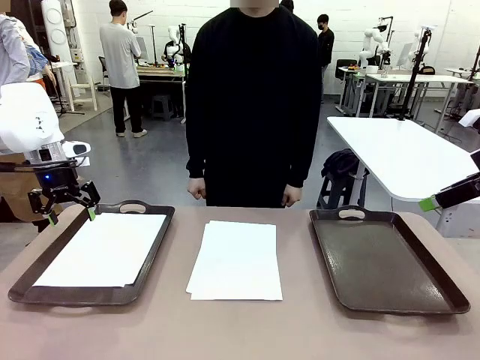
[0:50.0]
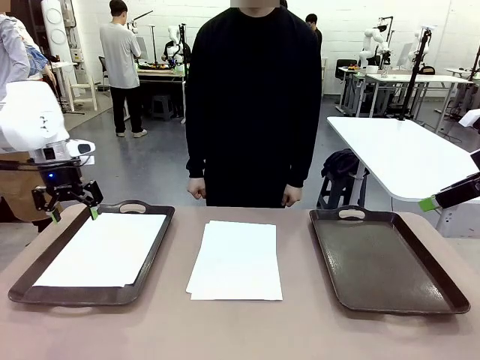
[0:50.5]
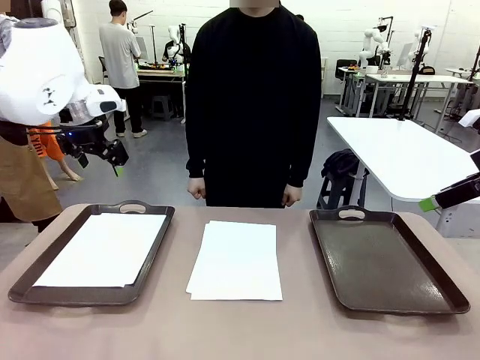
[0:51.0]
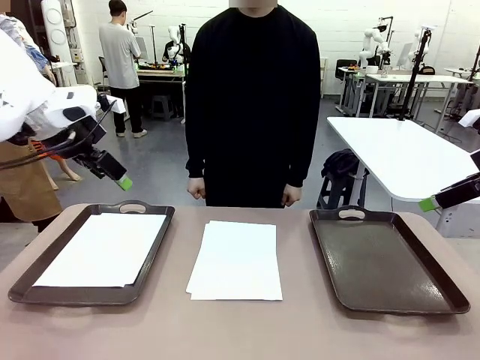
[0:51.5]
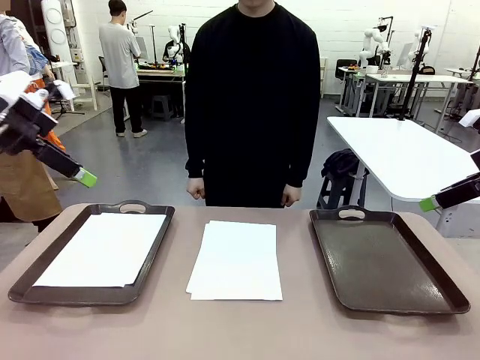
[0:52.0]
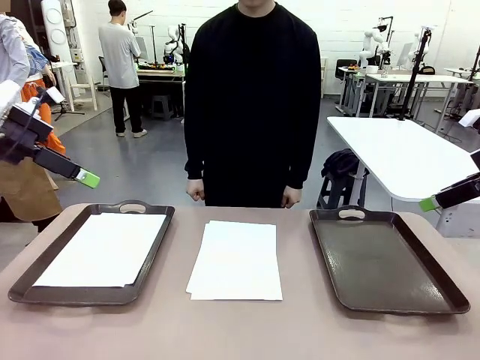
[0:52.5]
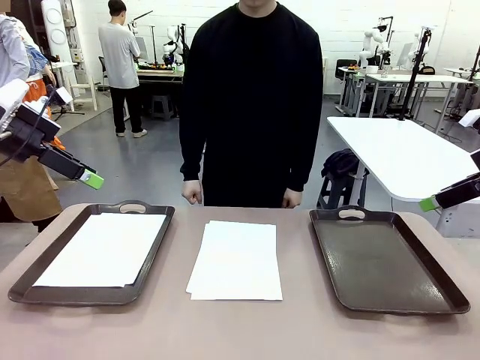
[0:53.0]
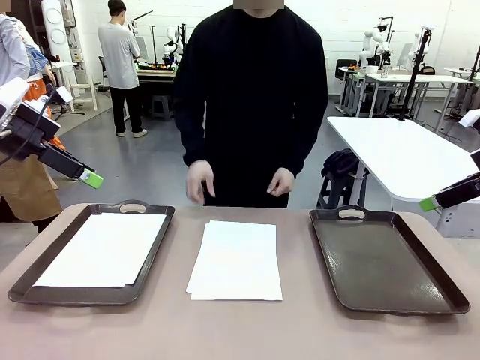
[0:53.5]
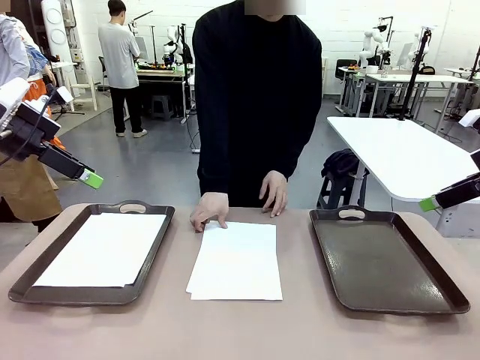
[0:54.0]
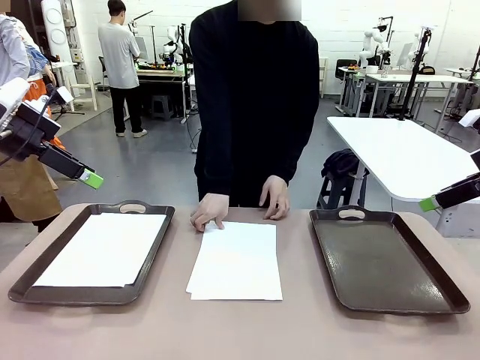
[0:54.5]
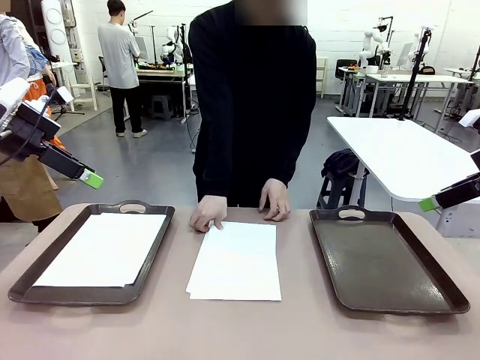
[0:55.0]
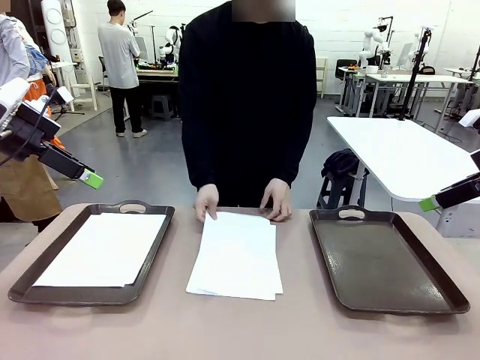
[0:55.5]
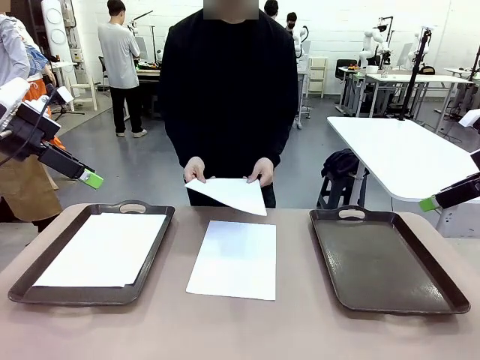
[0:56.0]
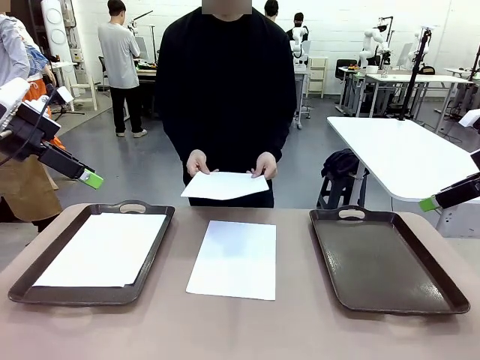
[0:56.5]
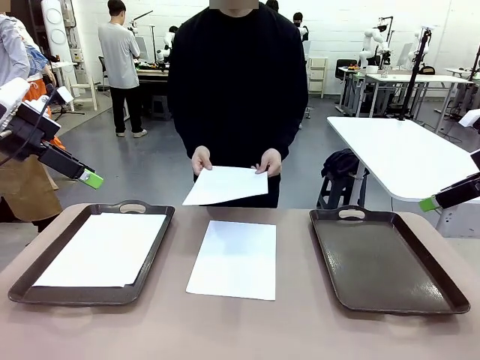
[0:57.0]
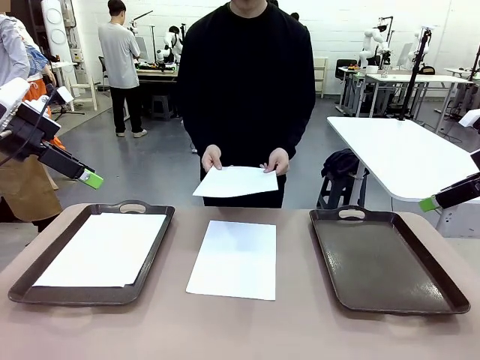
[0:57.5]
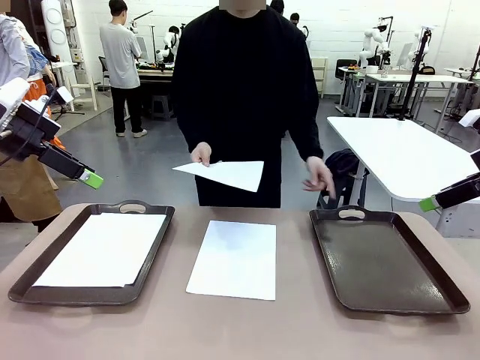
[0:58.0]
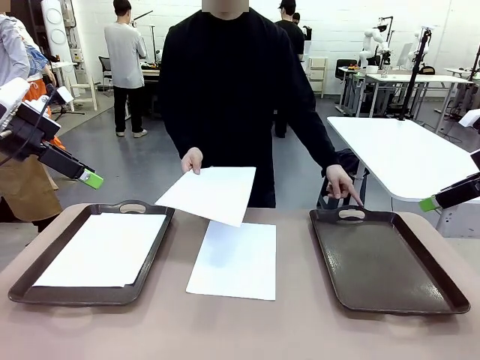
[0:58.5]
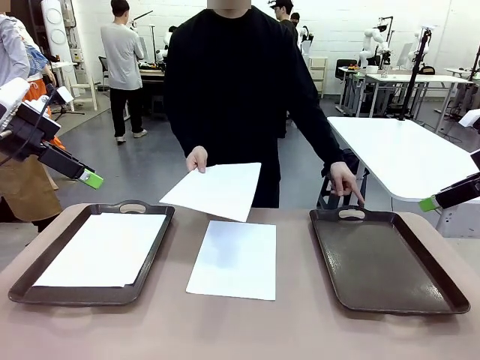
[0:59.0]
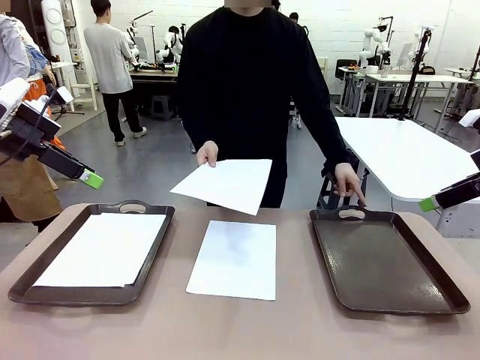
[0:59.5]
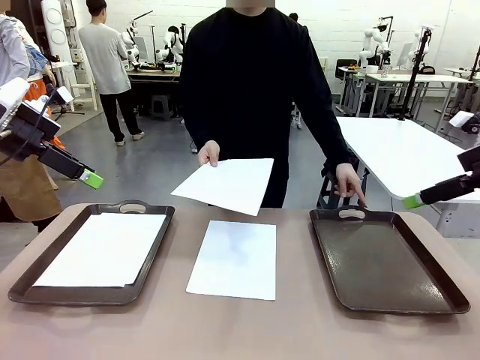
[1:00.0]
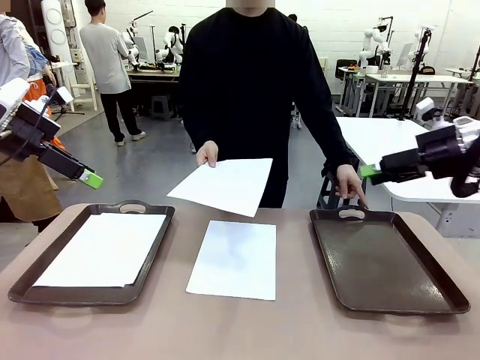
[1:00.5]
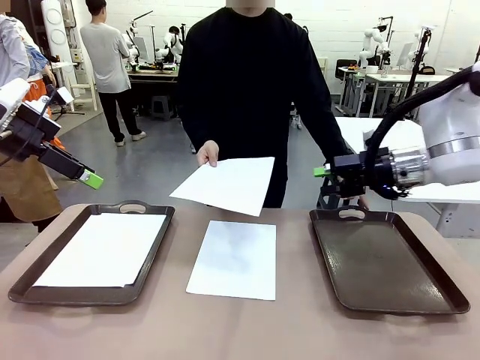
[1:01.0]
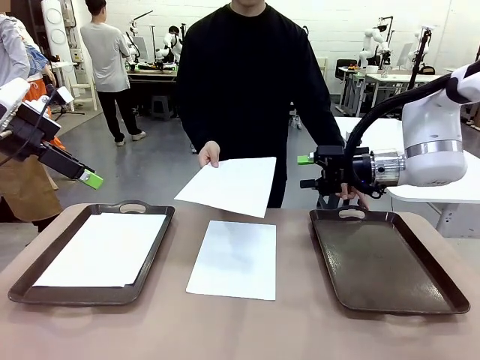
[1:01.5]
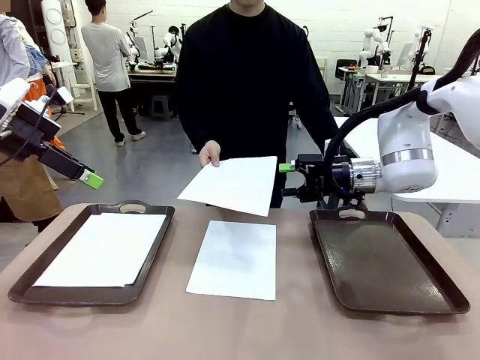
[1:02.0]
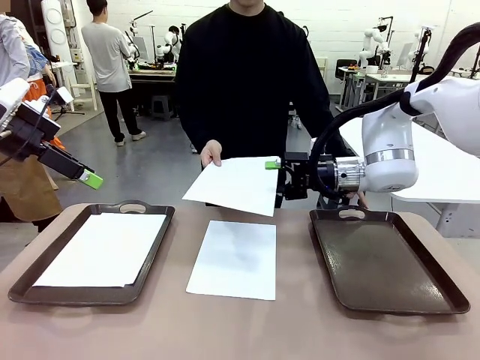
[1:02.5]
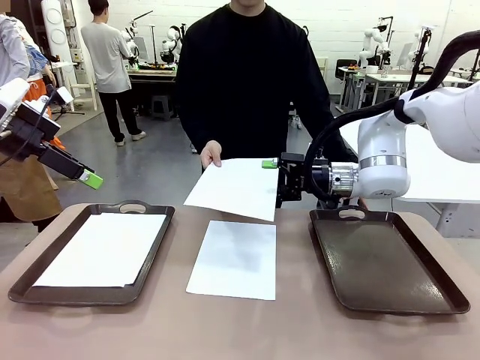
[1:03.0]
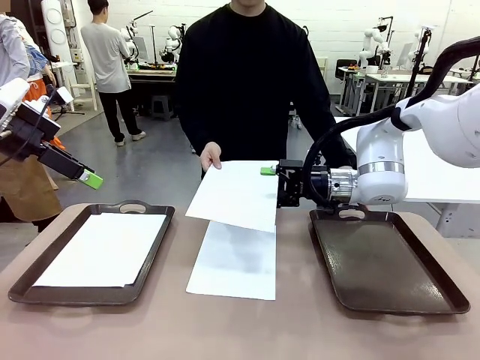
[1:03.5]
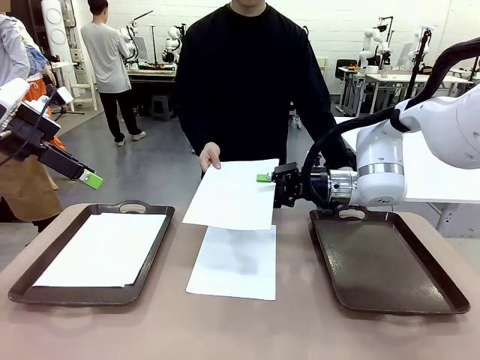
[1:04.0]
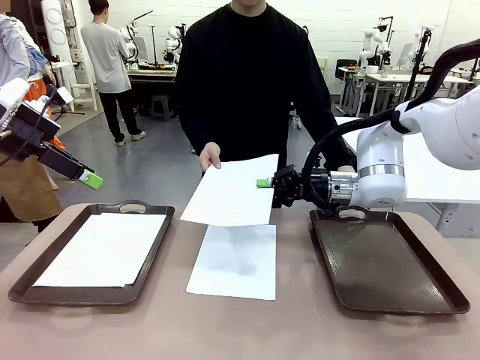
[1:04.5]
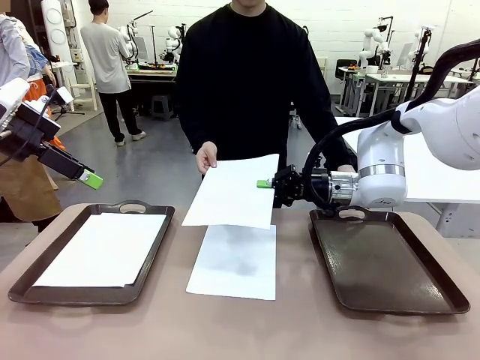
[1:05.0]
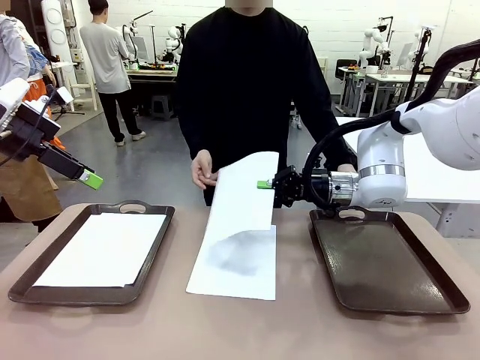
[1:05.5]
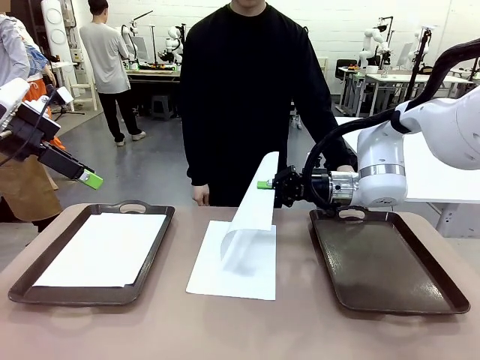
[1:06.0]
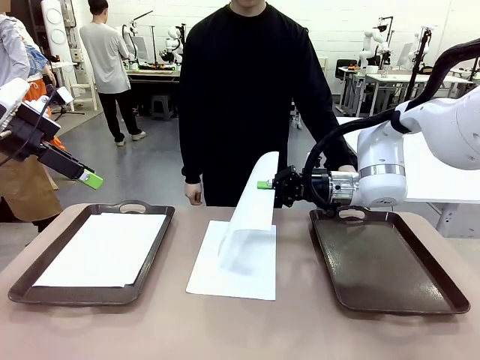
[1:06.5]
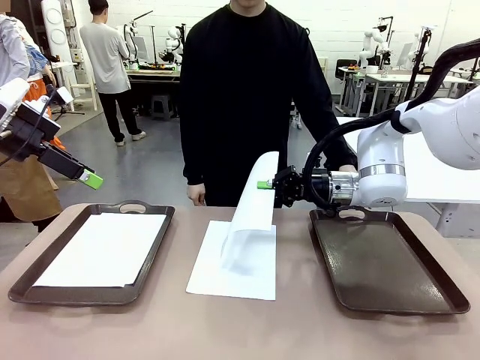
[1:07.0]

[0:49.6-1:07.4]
Task: Sort the A4 documents.
Robot: Receive the A4 Paper.
Person: Point the randomly selected tray with the other hand.

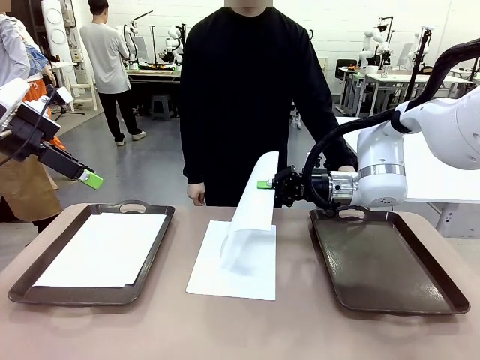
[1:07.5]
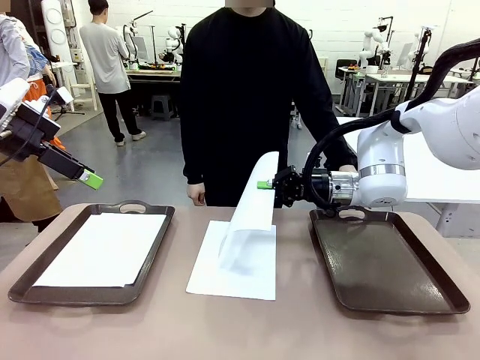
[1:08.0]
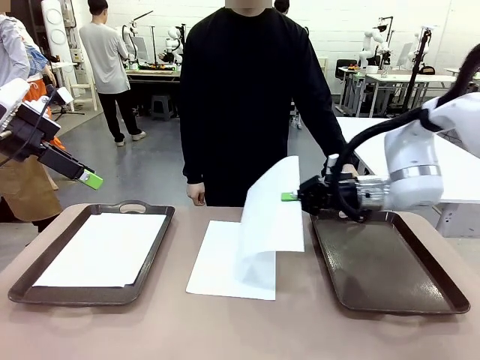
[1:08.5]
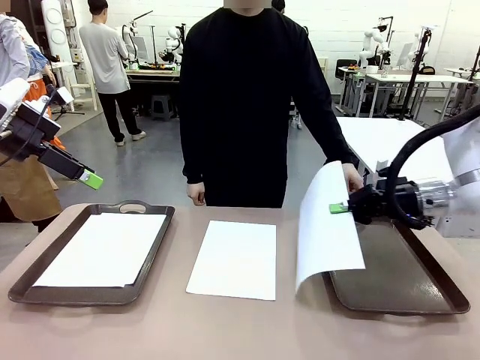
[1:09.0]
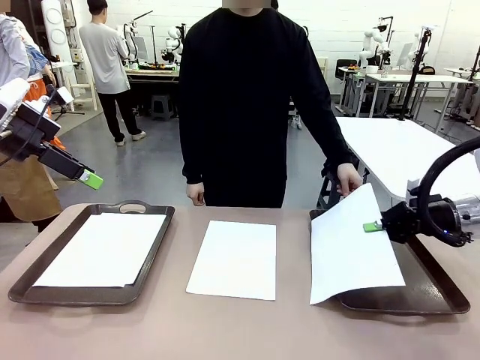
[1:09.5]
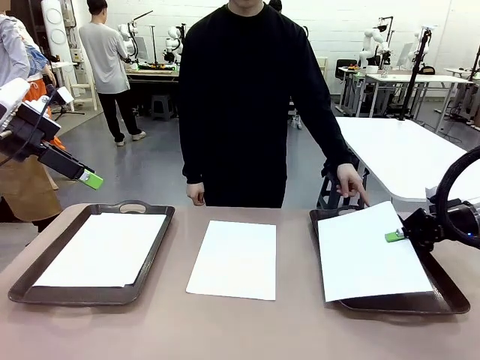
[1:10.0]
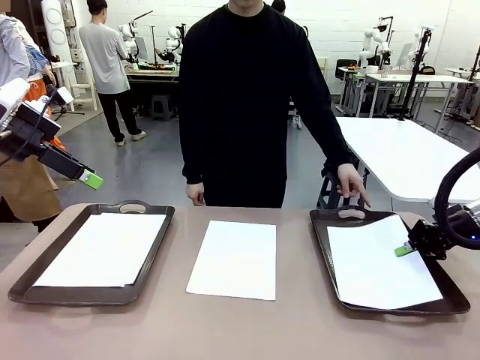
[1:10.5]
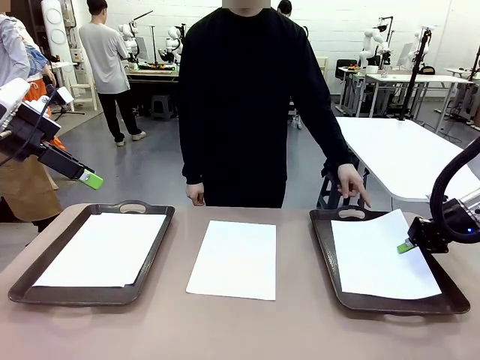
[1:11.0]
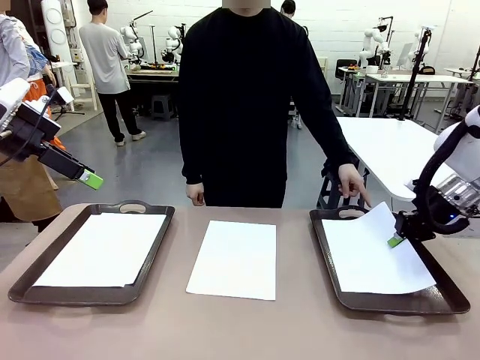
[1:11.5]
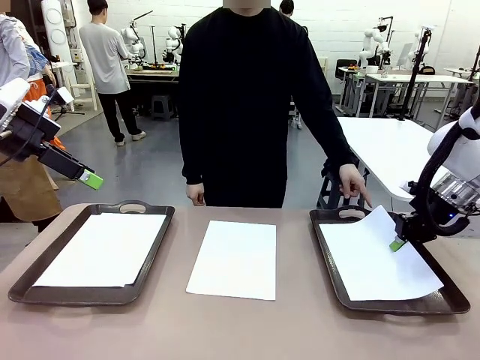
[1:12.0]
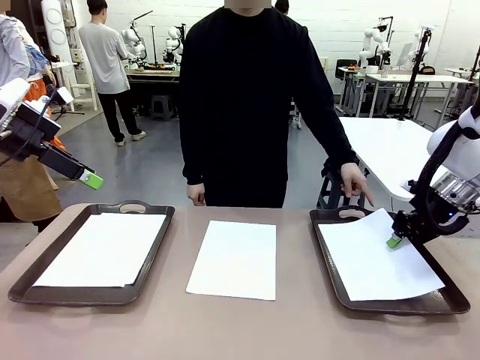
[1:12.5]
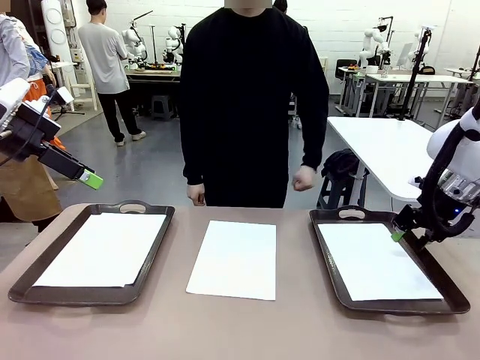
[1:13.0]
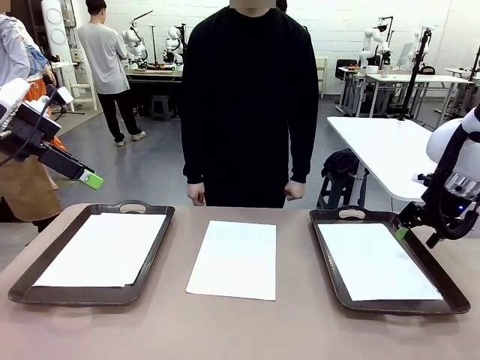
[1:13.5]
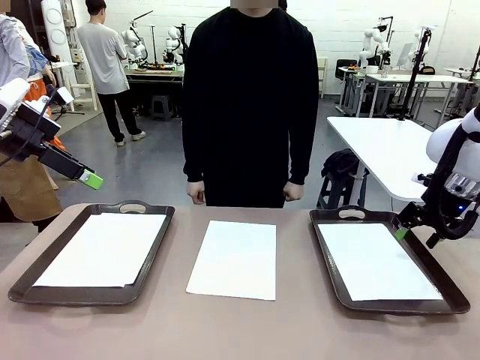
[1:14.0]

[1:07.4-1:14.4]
Robot: Place the A4 Paper in the designated Handle tray.
